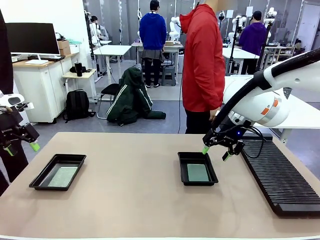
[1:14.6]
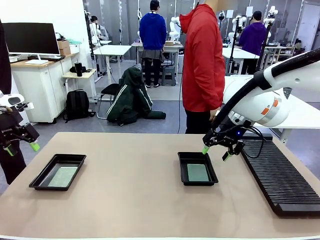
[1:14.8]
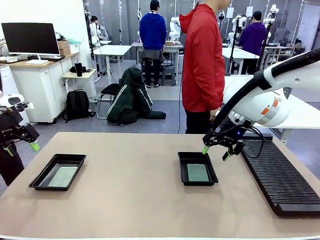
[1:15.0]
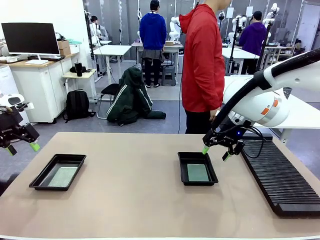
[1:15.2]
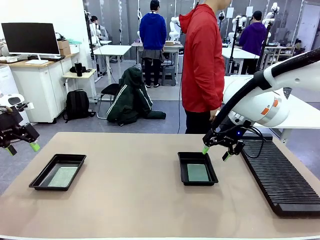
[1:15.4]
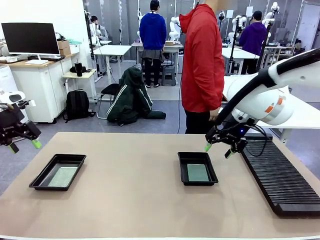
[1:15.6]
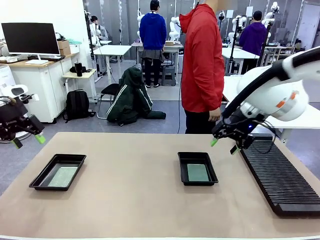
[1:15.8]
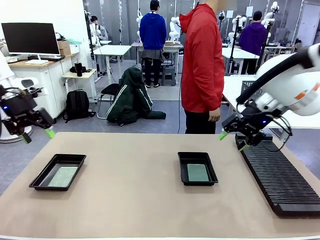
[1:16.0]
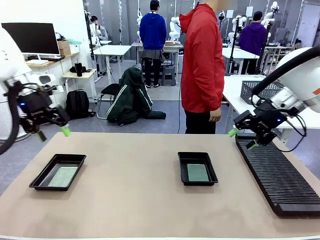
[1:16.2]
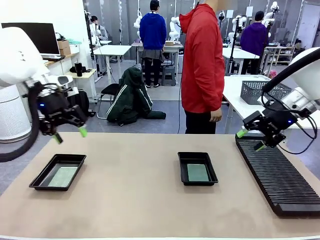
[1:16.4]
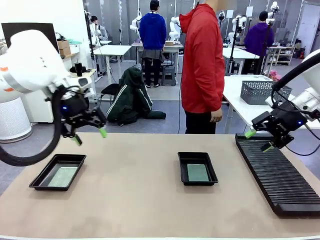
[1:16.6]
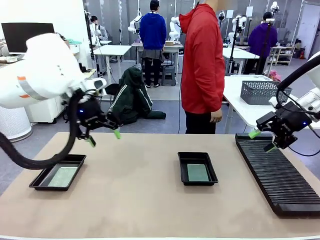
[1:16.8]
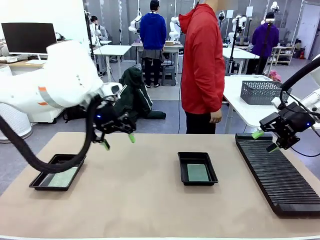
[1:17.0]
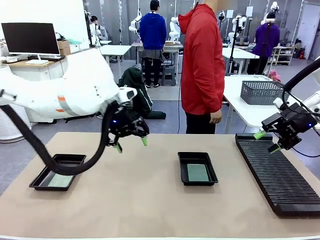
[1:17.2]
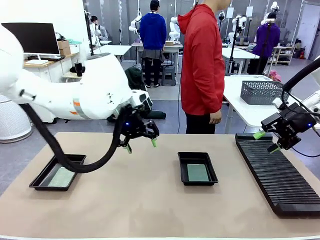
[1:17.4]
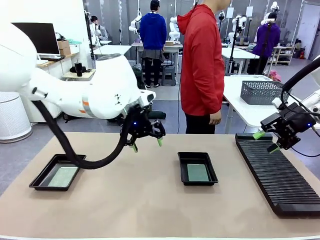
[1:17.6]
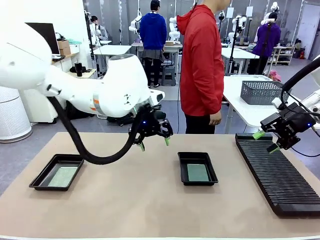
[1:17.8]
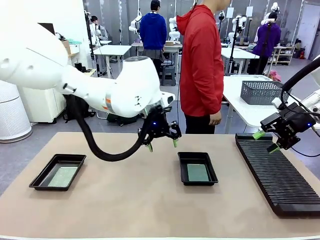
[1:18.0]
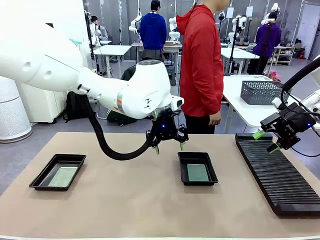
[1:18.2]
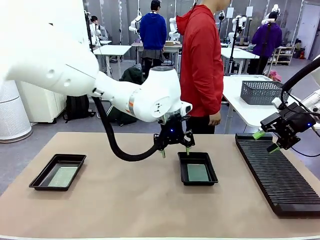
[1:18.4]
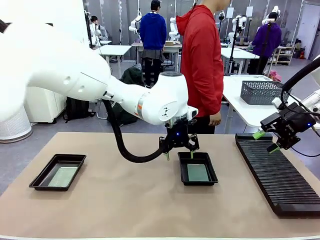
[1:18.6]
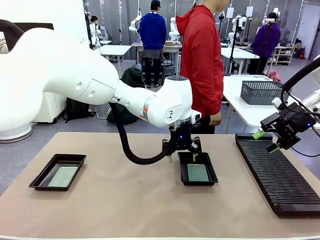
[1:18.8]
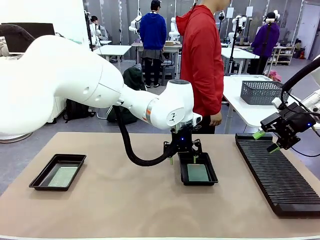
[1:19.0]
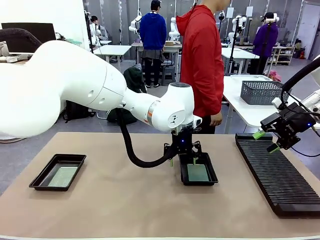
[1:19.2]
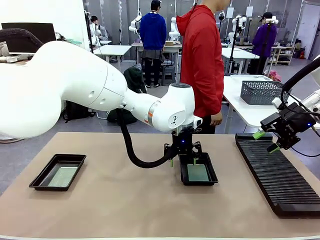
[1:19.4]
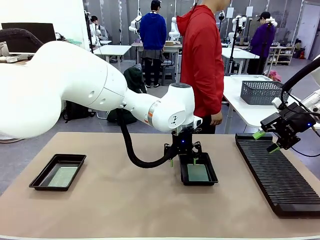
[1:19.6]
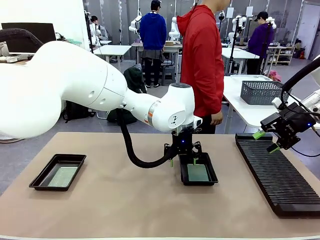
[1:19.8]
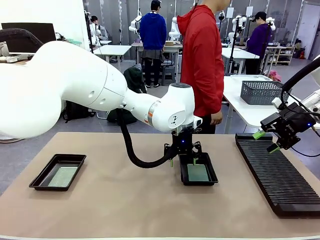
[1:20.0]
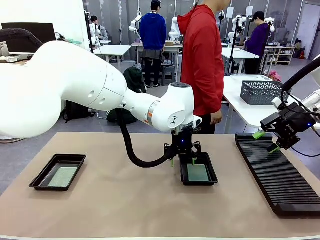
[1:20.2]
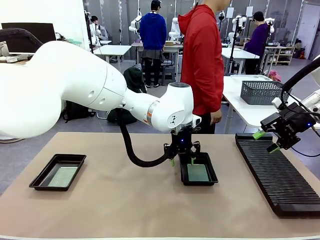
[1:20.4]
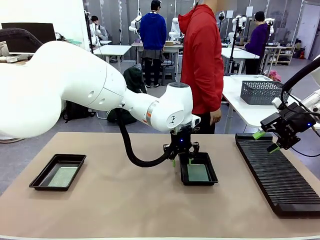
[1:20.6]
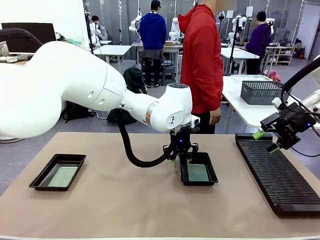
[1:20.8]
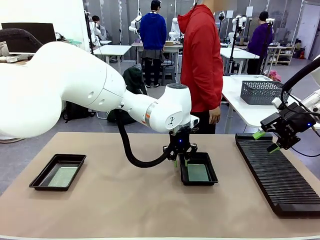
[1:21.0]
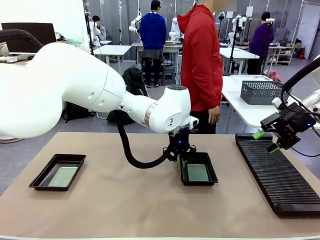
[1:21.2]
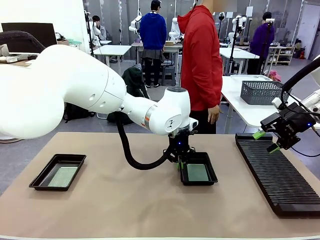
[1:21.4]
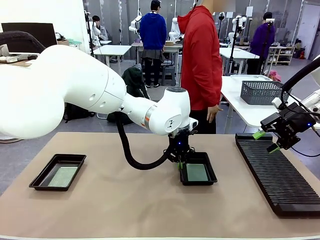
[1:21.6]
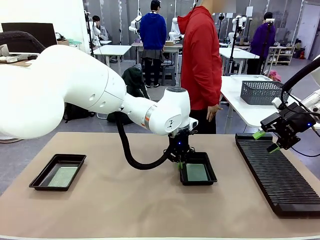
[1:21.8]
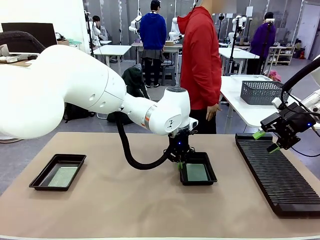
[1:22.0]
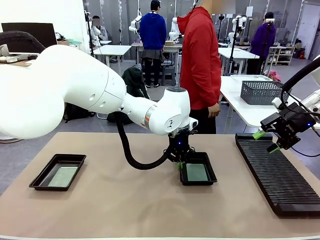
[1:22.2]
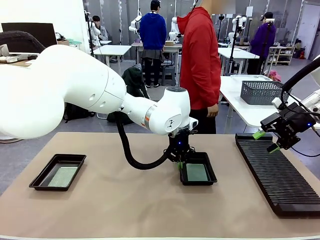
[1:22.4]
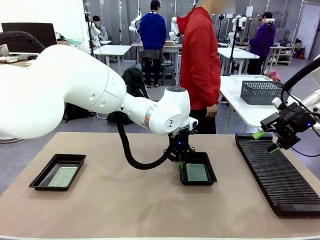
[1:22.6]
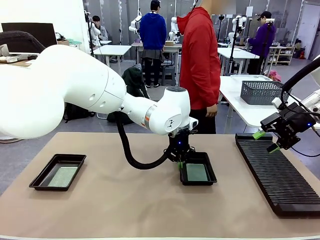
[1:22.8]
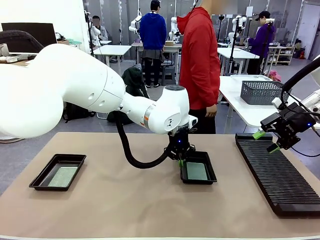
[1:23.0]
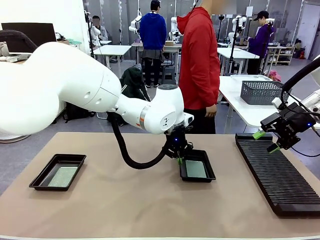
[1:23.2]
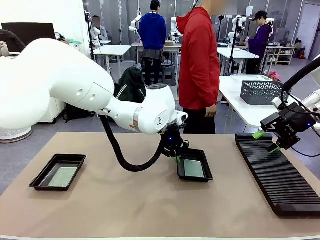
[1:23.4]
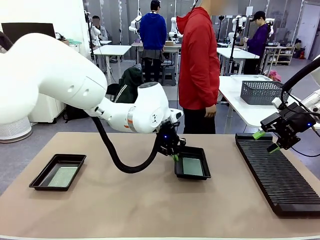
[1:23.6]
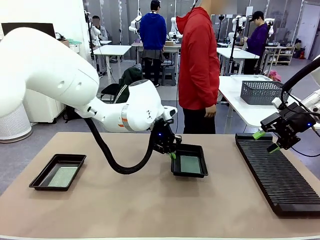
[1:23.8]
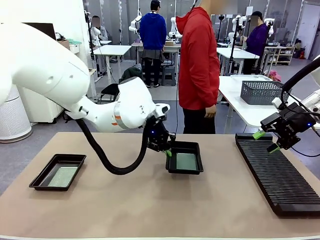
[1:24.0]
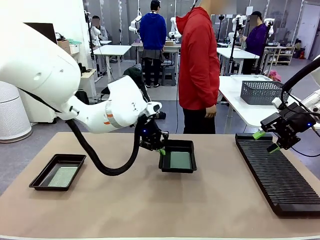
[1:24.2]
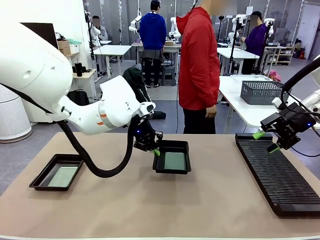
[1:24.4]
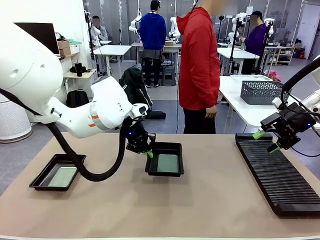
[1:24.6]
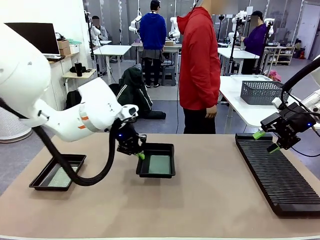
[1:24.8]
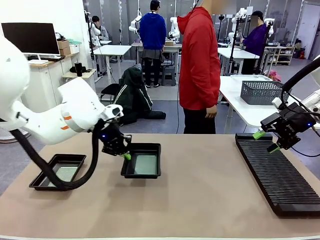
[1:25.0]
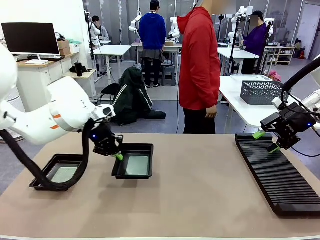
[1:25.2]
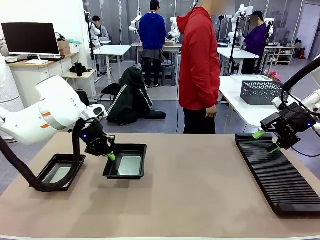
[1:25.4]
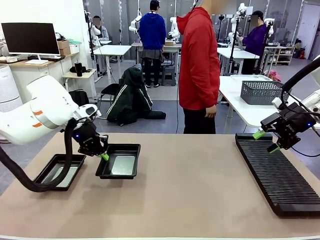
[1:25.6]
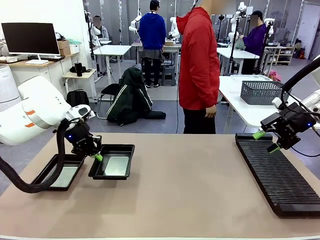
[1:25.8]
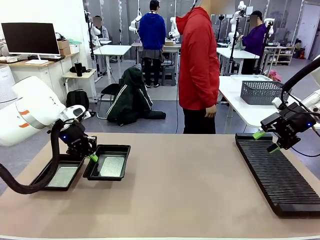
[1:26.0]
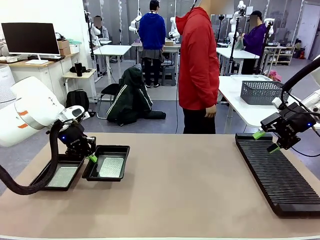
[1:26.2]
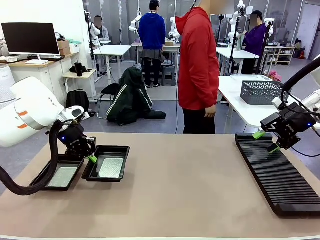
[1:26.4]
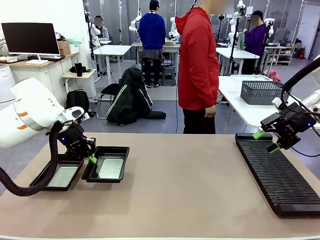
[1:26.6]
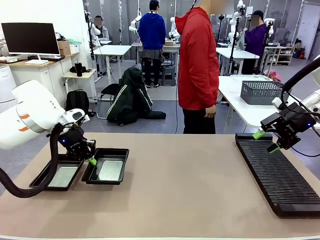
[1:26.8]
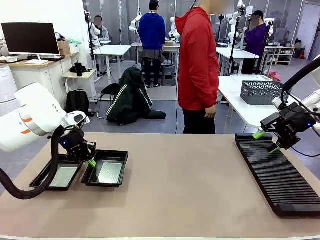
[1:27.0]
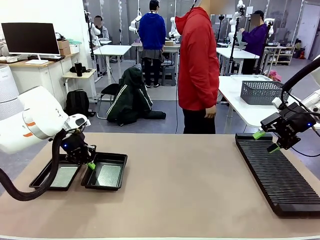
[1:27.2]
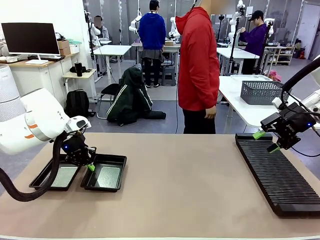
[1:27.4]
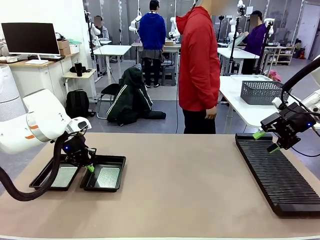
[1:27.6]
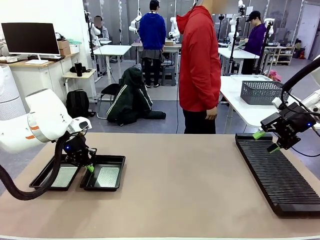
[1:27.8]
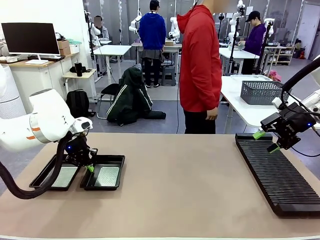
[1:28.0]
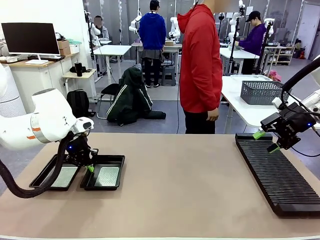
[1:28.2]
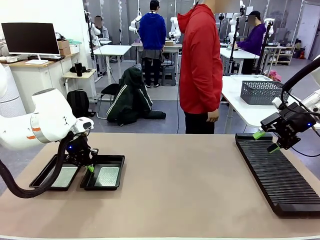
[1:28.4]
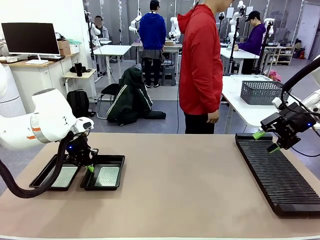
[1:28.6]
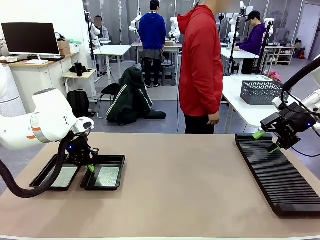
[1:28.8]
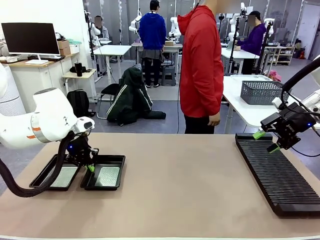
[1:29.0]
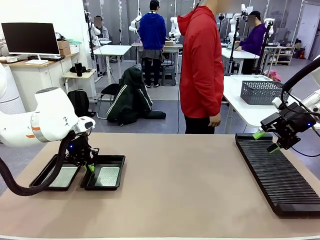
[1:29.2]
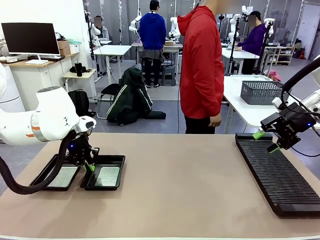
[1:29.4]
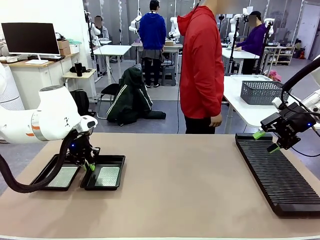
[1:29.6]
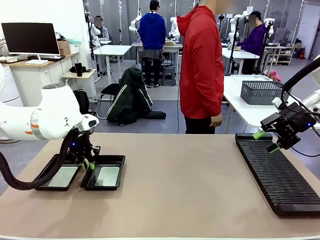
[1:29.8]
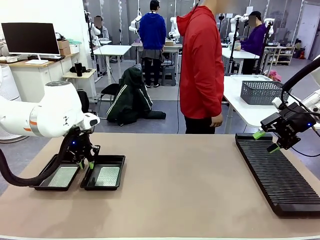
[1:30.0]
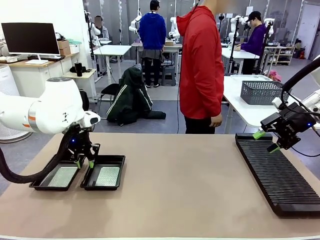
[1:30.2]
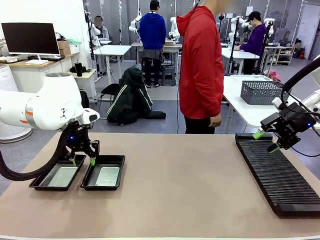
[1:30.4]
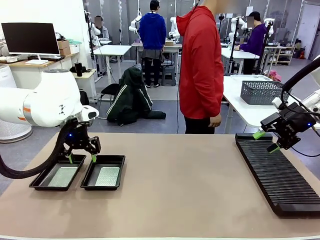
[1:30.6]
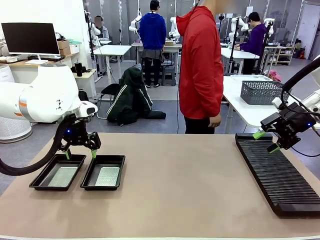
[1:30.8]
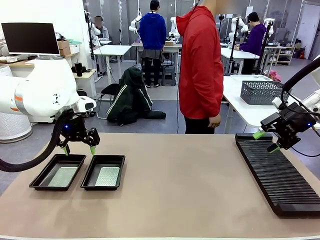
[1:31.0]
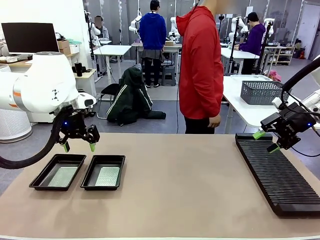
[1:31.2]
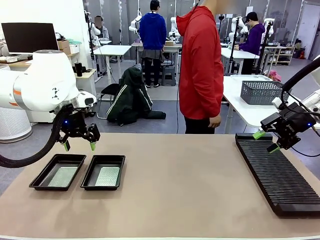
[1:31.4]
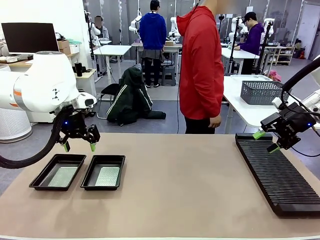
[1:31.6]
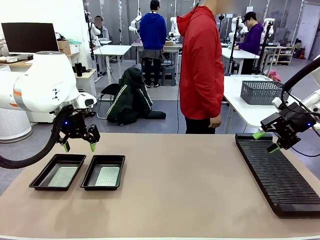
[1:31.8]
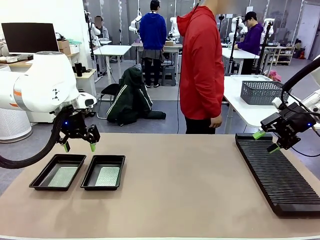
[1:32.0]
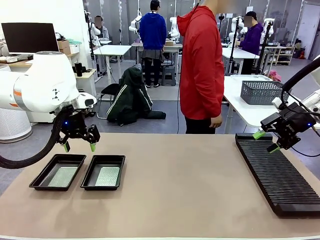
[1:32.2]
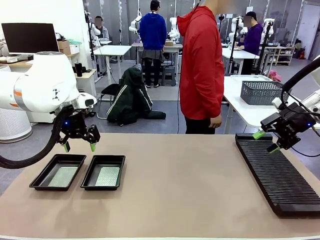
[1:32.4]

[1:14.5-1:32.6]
Task: Inspect and transfer BCBs to ESD trays.
Robot: Pick up the ESD tray and place it on the left side of the table.
